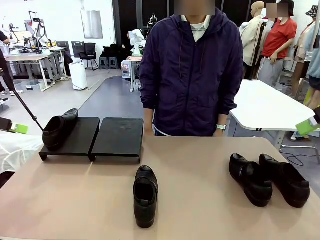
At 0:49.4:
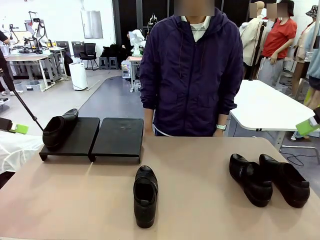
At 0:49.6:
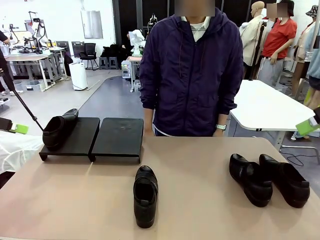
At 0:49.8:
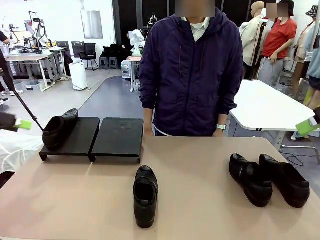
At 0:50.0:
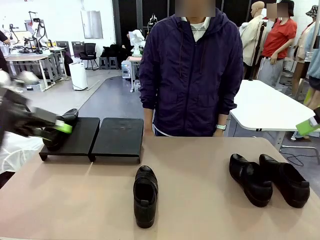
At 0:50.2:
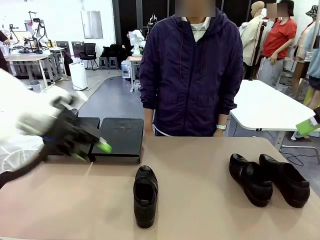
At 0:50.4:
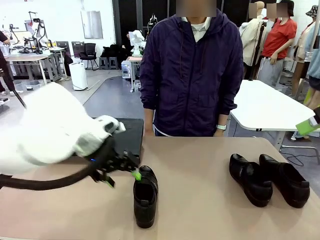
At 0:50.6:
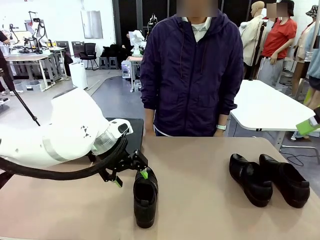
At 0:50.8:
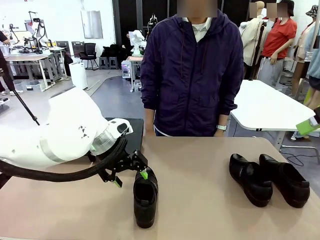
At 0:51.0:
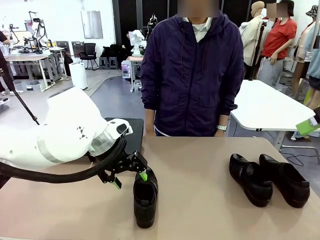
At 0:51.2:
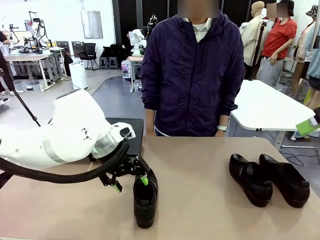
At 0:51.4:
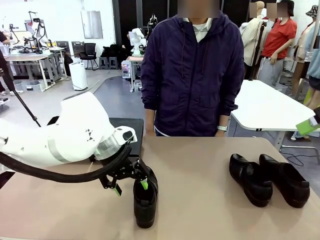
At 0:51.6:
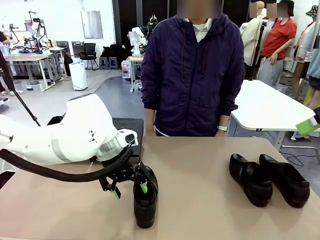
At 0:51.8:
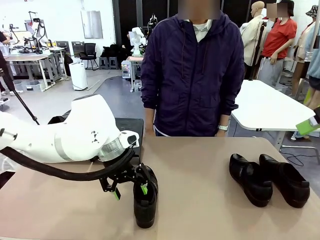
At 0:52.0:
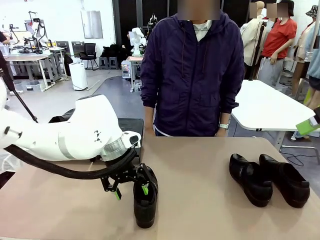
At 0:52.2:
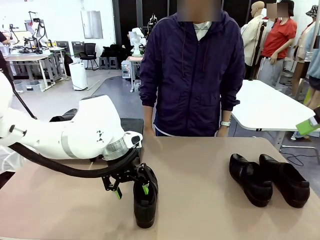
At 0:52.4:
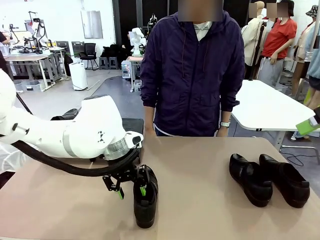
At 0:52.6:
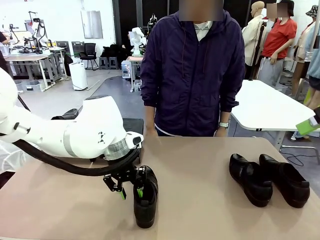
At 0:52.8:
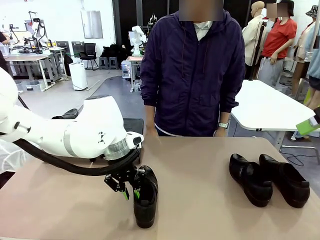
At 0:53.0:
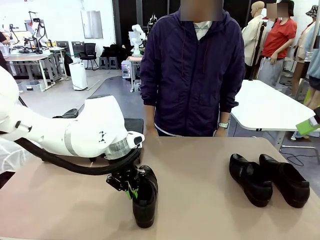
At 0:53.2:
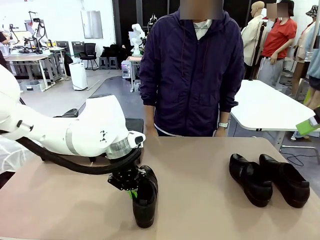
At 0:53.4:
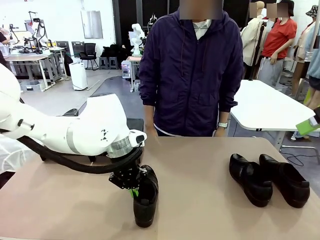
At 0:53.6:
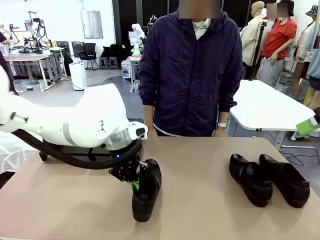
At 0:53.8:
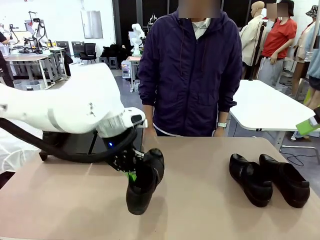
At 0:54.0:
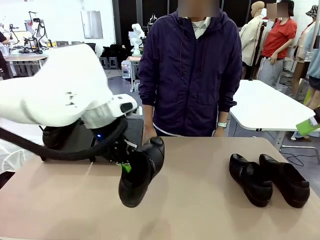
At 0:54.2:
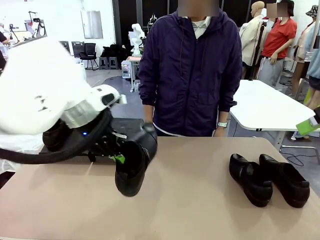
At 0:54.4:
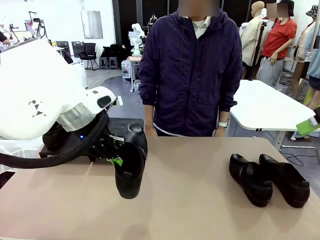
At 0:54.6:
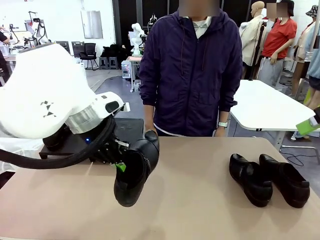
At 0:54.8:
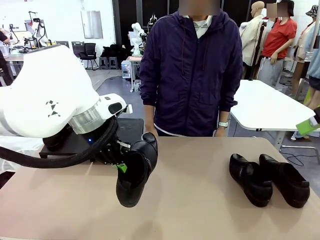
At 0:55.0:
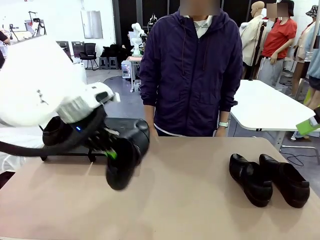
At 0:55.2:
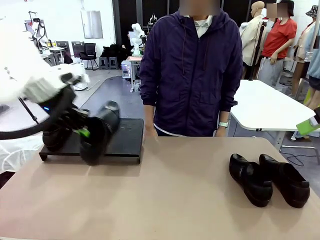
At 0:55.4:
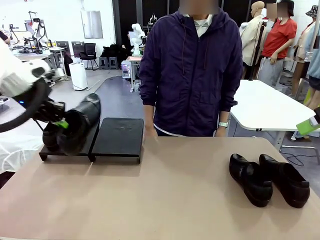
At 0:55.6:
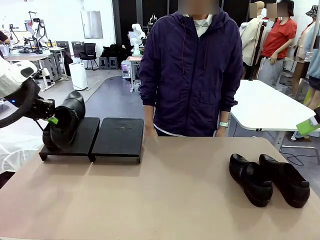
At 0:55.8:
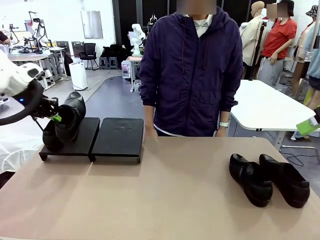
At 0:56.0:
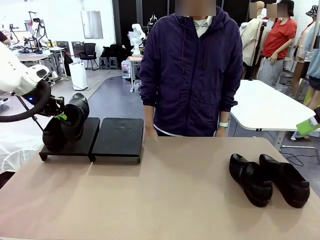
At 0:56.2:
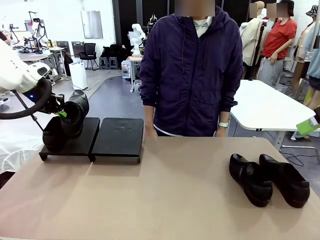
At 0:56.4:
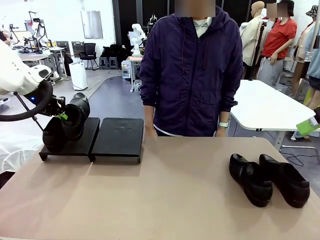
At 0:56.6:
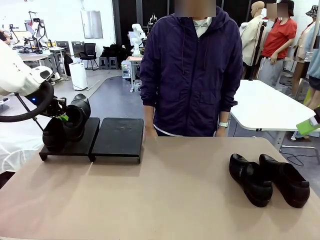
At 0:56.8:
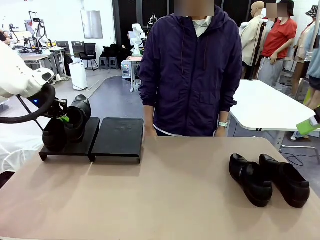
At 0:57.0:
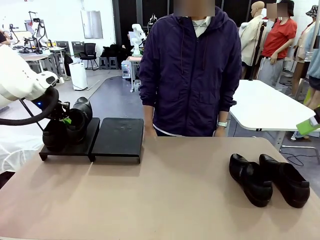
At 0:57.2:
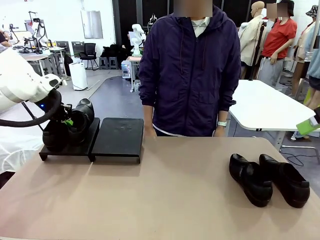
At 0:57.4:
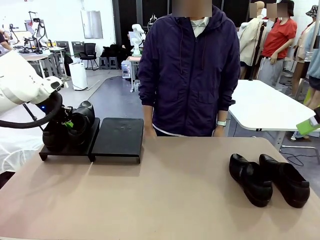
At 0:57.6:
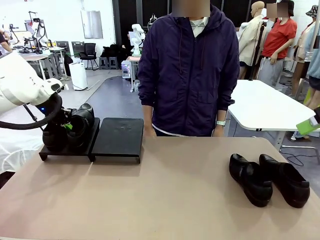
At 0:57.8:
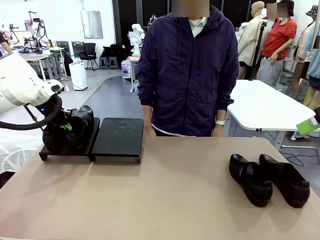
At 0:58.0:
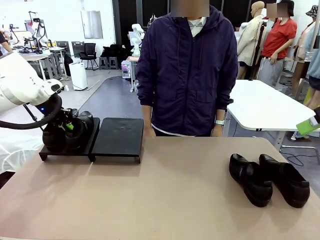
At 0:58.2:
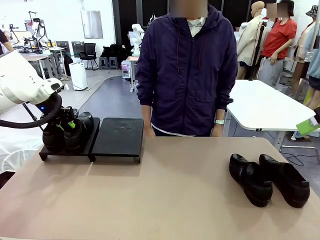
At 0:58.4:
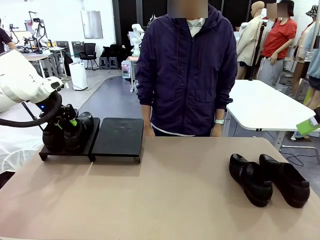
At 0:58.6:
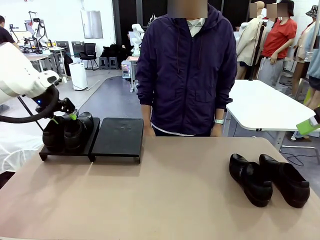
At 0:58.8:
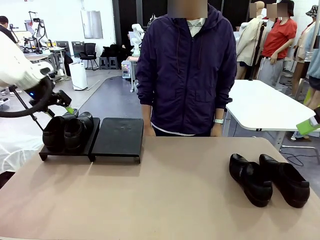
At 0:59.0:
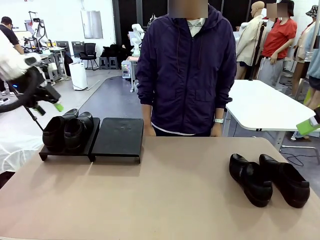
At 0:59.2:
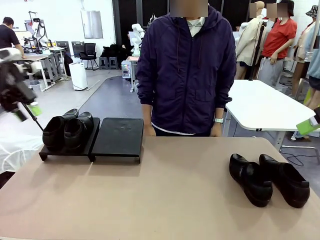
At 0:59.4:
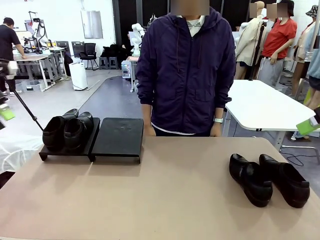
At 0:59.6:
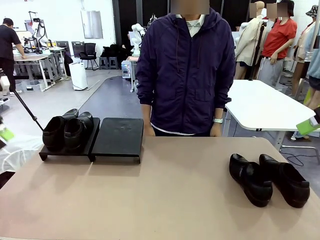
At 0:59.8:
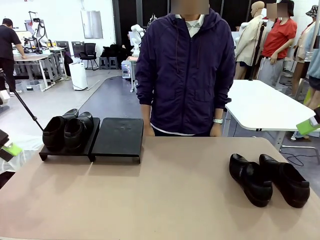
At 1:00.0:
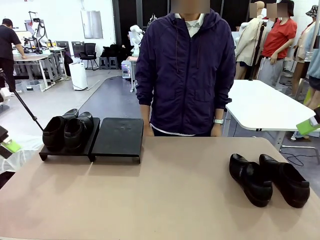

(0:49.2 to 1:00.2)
Task: Organize the shoes by placing them on the stand.
Robot: Place the Shoe from the middle of the table onto the Shoes Stand.

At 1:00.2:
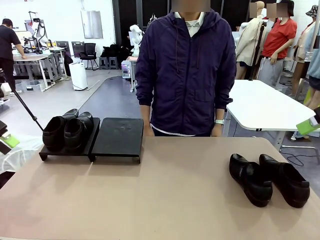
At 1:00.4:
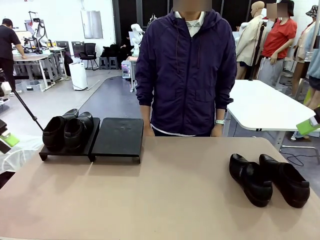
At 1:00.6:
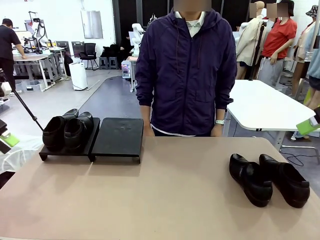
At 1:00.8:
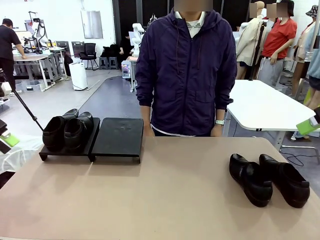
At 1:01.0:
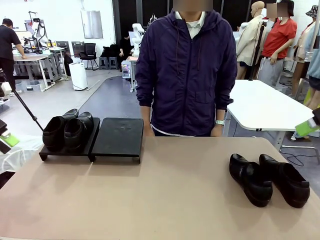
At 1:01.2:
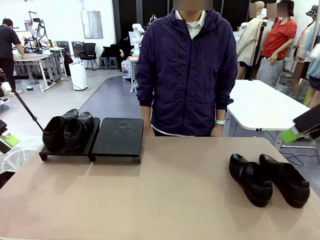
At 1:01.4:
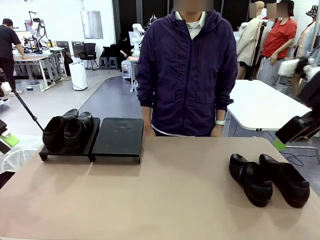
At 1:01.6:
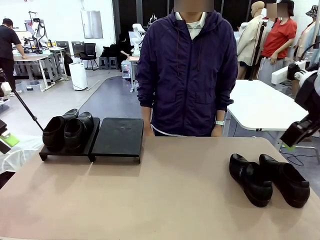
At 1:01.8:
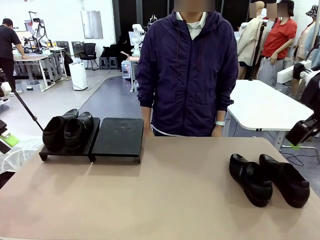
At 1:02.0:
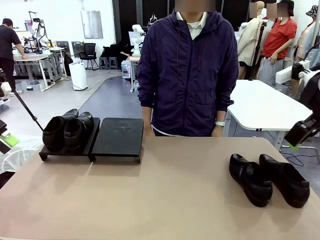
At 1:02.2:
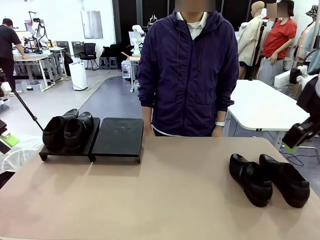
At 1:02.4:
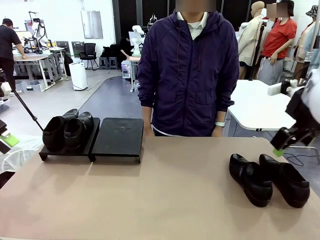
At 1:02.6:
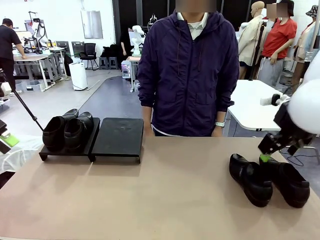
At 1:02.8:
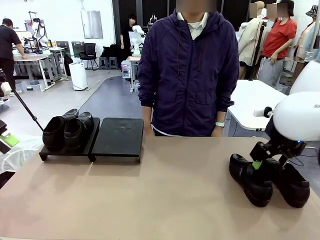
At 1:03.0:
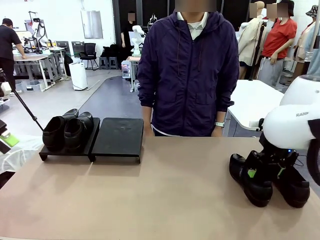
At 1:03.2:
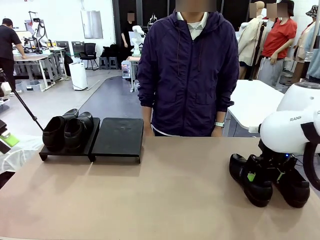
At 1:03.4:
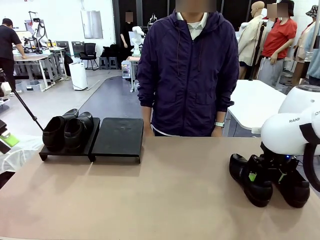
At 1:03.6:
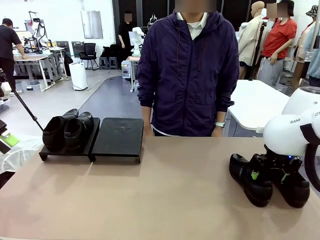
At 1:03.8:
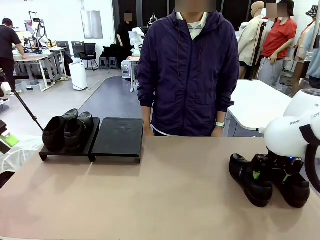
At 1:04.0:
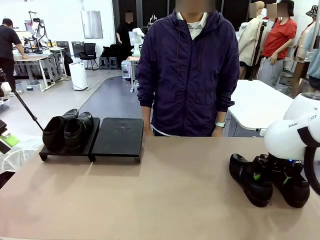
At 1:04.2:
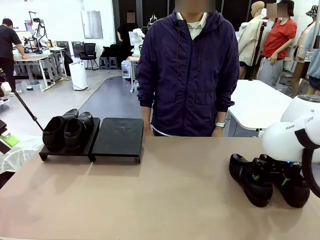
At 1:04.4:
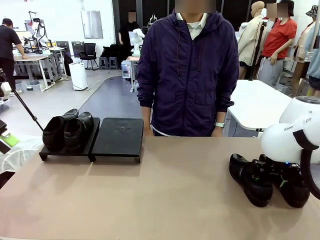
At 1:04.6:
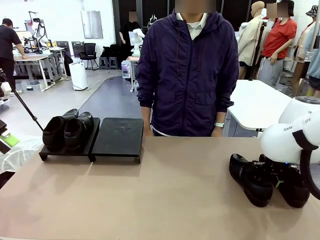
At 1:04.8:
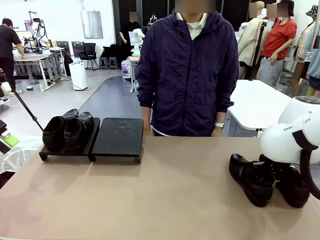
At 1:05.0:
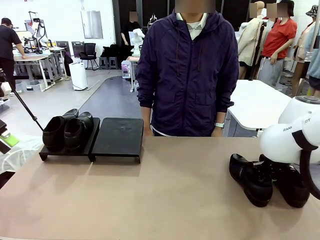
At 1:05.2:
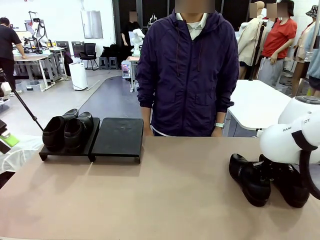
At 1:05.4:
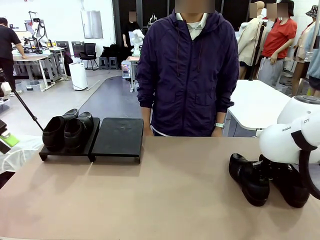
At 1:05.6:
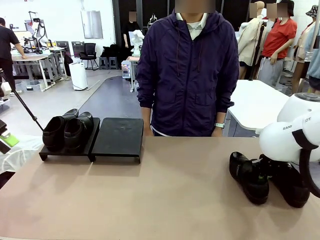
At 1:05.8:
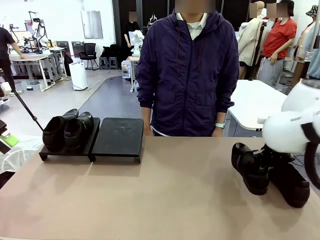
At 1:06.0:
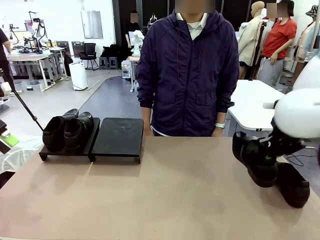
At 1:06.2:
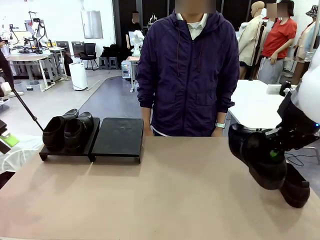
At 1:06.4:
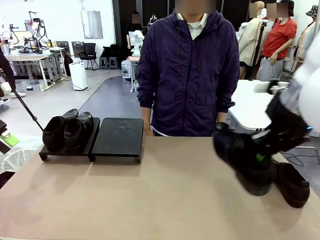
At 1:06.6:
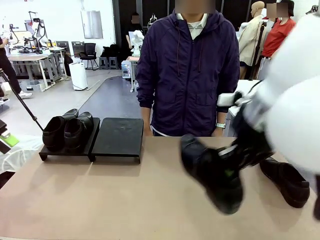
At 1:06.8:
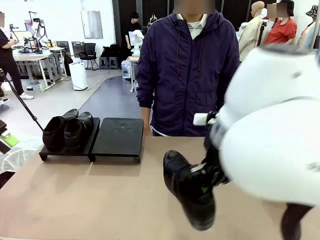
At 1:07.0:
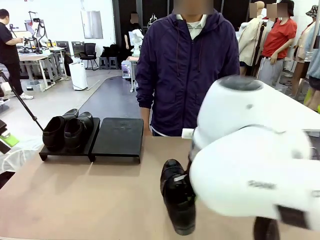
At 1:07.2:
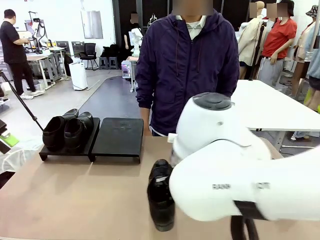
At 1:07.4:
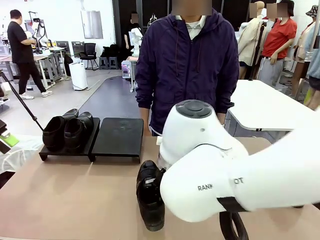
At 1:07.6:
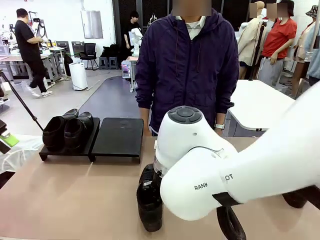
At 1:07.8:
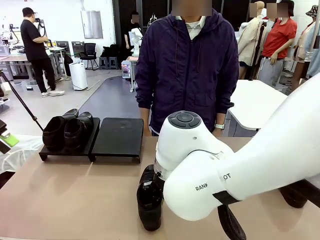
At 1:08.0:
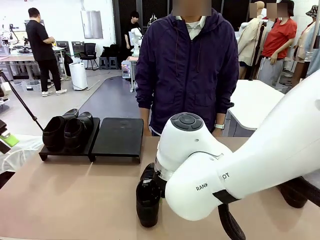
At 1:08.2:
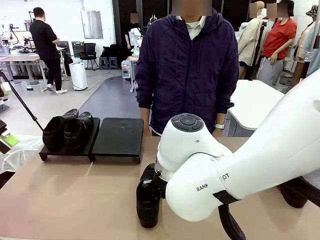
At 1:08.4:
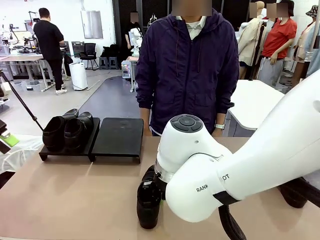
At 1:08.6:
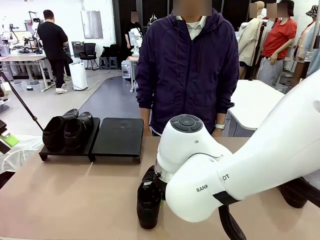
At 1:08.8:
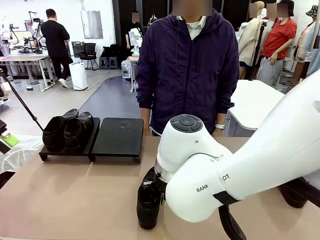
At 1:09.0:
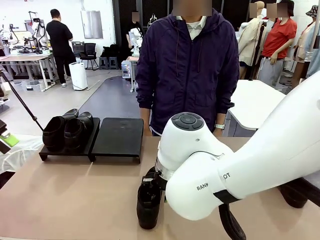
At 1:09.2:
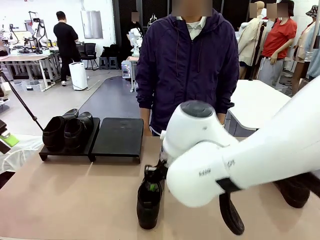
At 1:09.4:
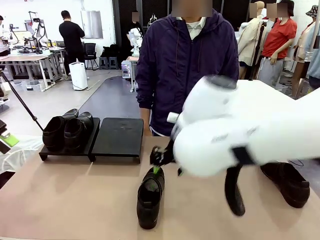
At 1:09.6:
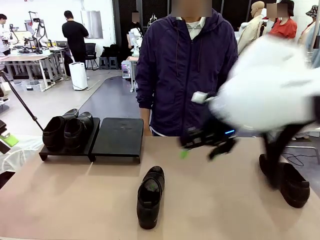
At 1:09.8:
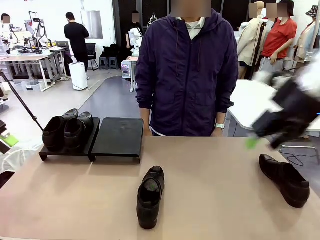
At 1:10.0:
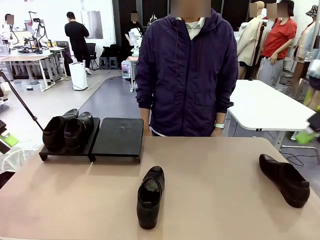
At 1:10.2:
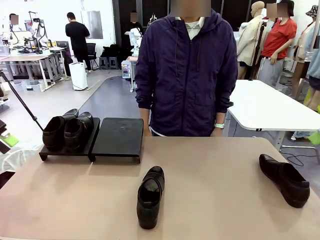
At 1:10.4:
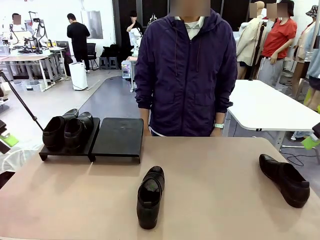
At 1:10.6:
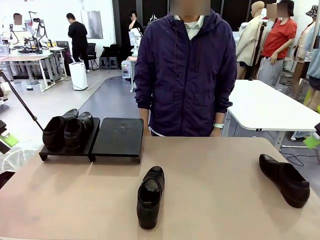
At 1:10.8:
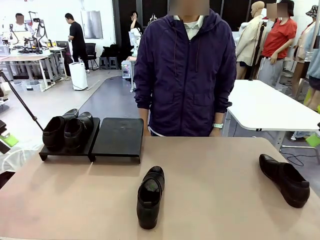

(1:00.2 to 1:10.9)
Robot: Pick up one Shoe and place it in the middle of the table.
